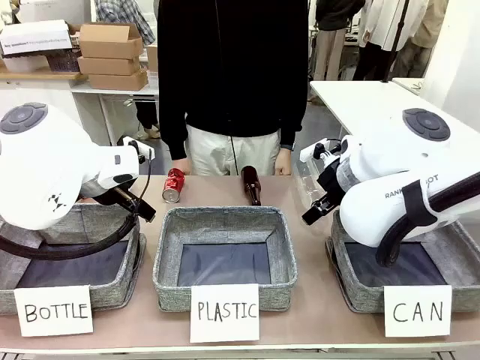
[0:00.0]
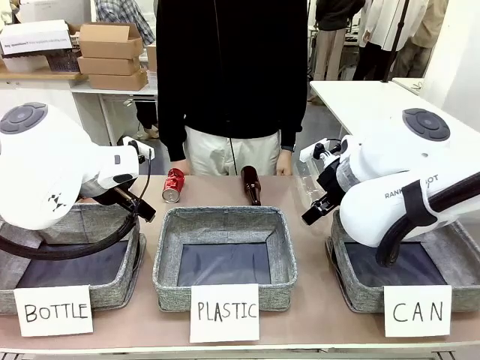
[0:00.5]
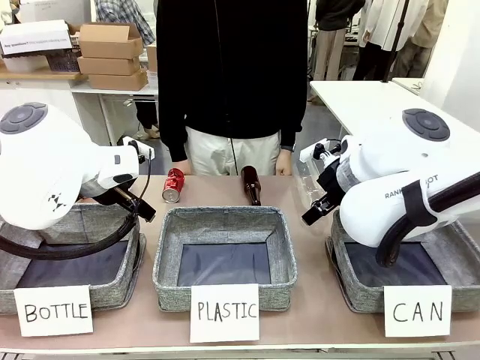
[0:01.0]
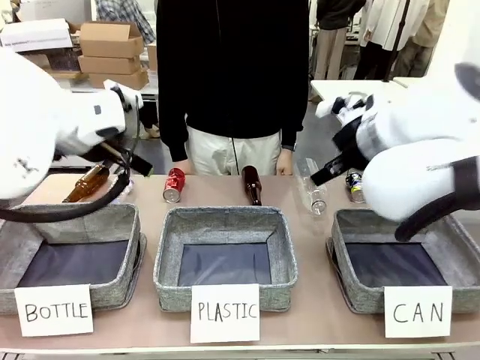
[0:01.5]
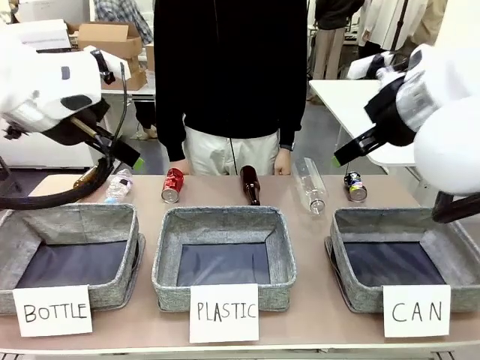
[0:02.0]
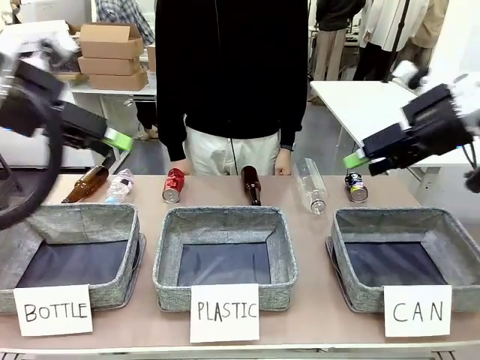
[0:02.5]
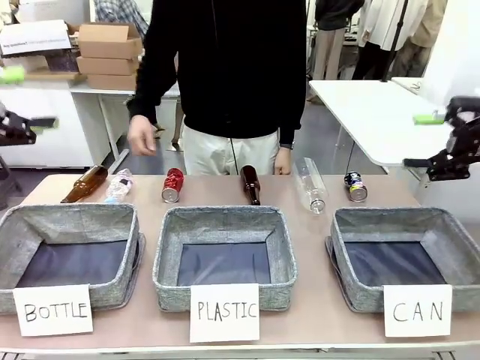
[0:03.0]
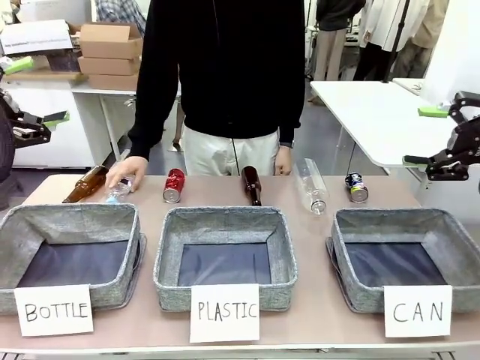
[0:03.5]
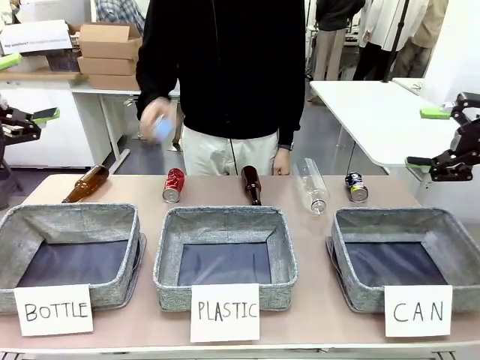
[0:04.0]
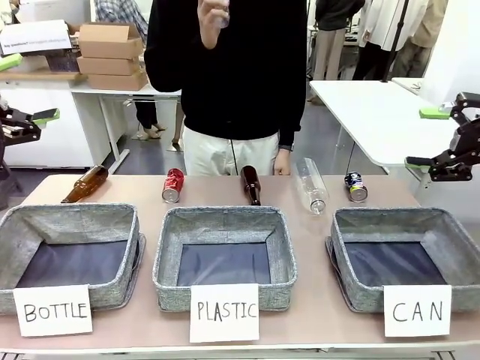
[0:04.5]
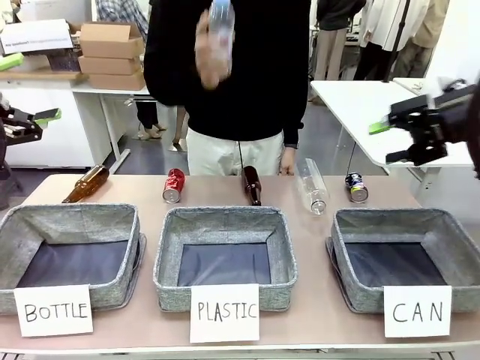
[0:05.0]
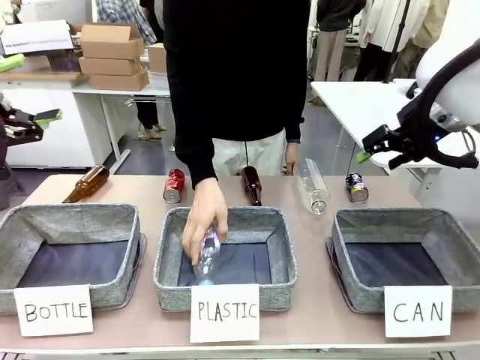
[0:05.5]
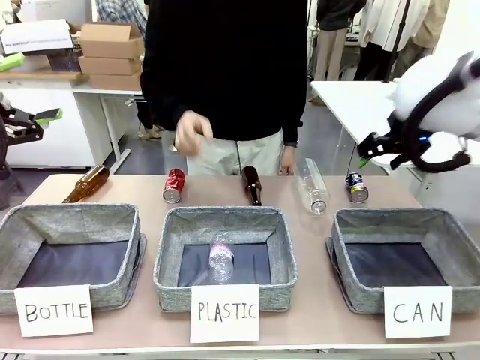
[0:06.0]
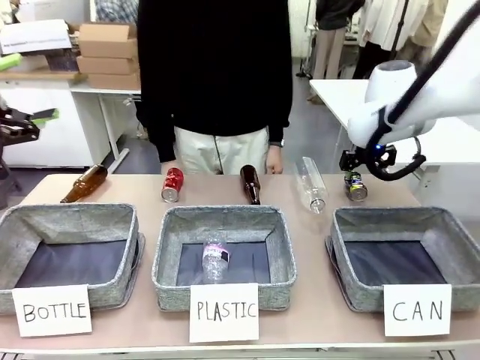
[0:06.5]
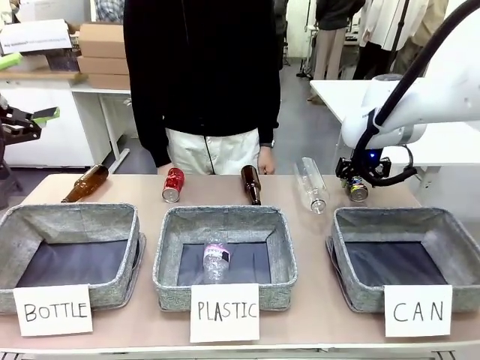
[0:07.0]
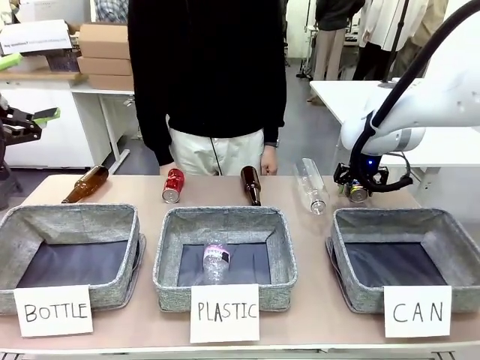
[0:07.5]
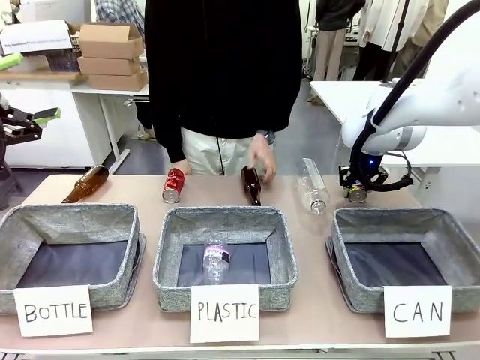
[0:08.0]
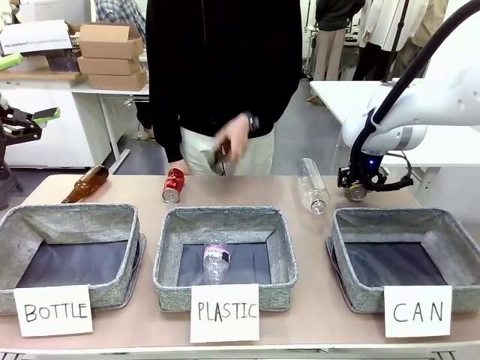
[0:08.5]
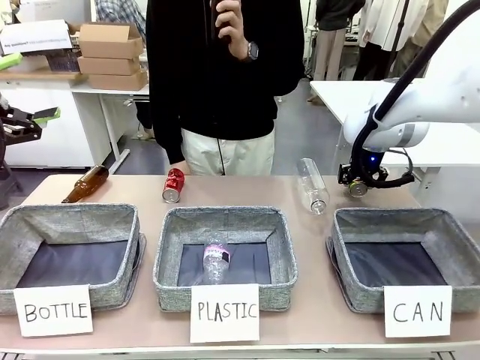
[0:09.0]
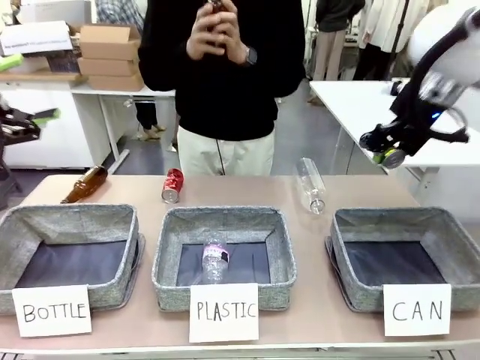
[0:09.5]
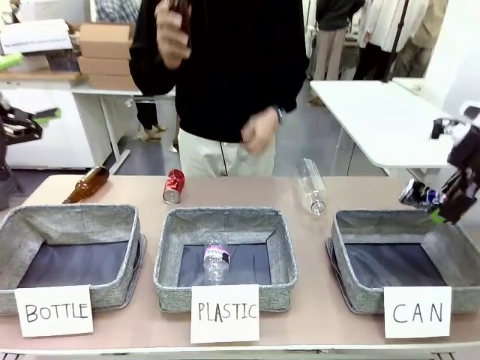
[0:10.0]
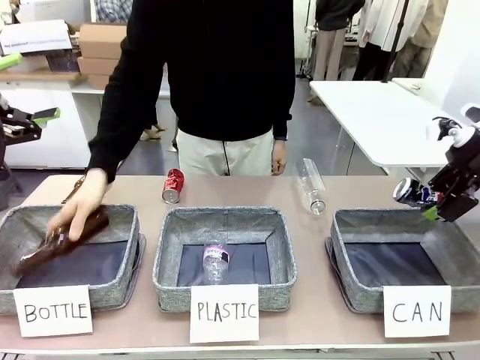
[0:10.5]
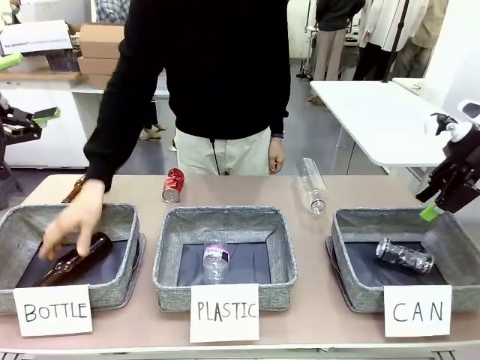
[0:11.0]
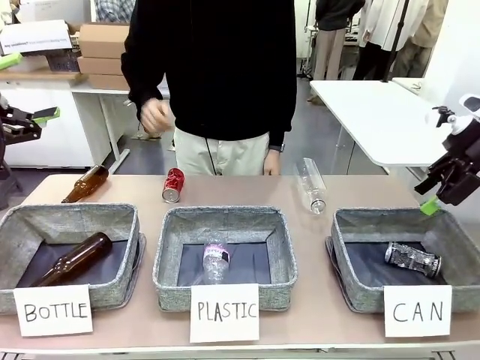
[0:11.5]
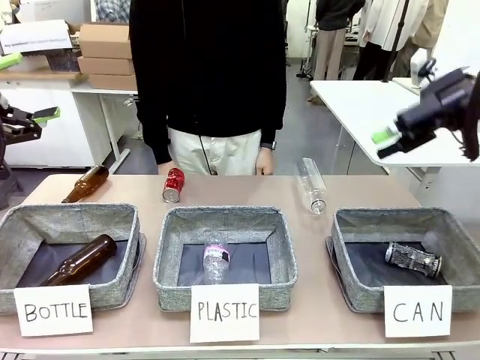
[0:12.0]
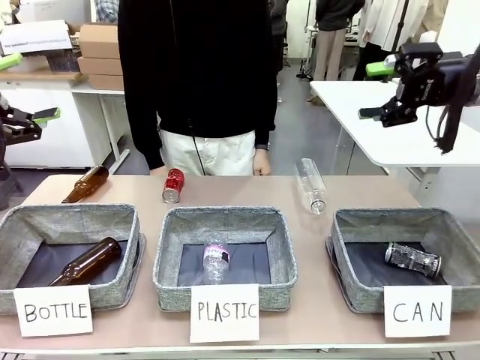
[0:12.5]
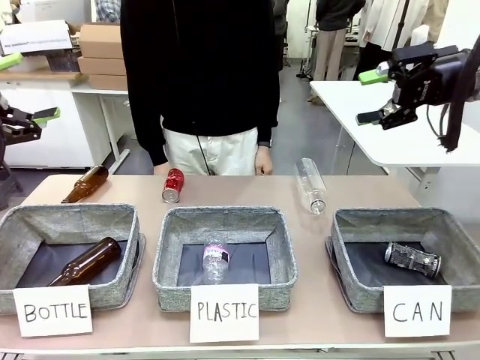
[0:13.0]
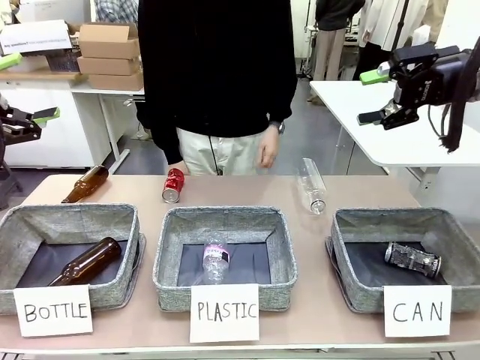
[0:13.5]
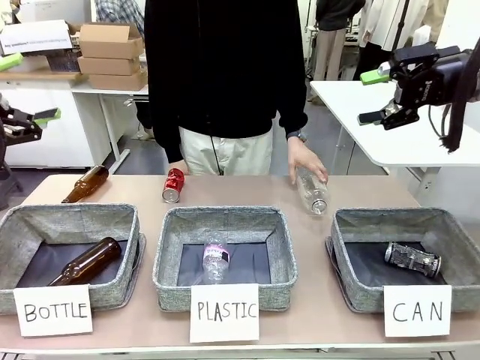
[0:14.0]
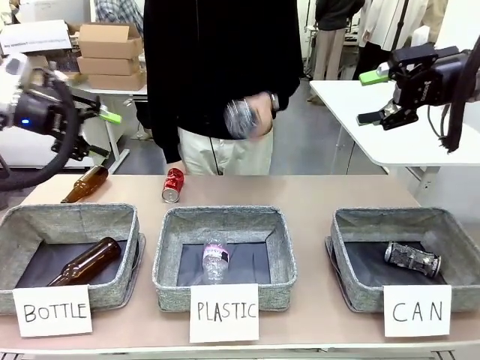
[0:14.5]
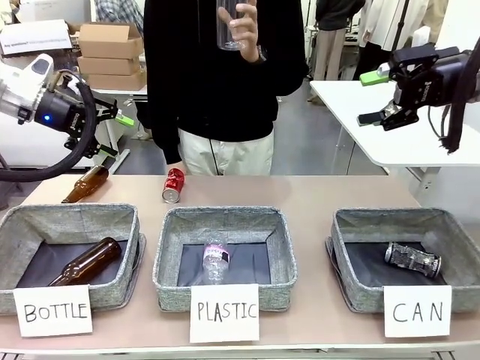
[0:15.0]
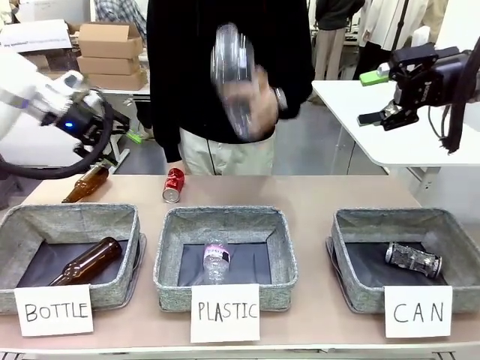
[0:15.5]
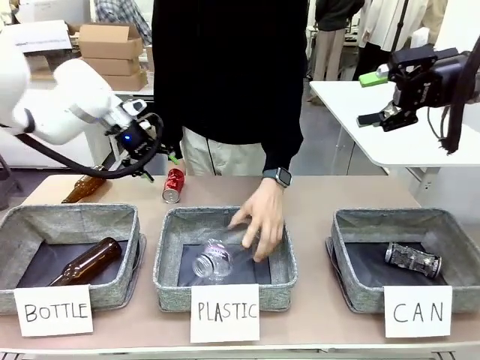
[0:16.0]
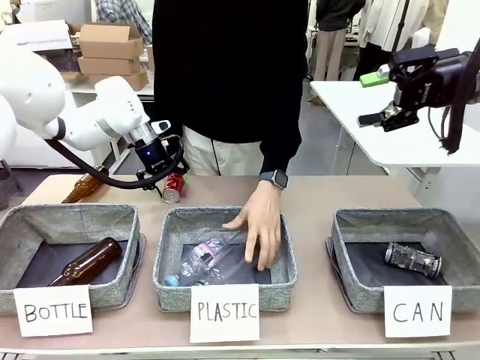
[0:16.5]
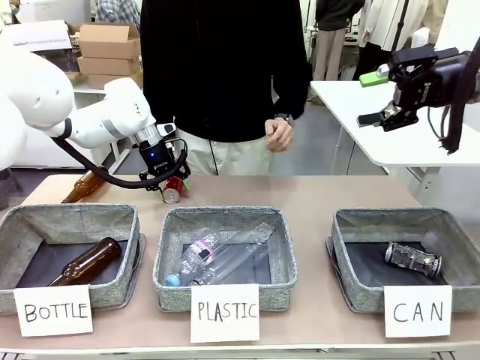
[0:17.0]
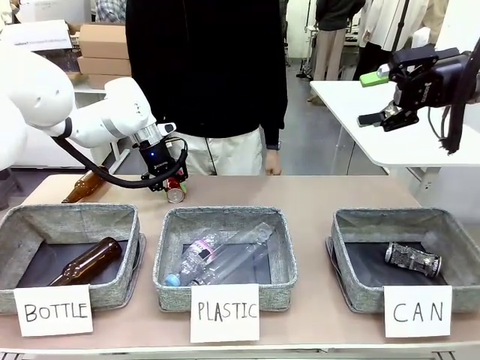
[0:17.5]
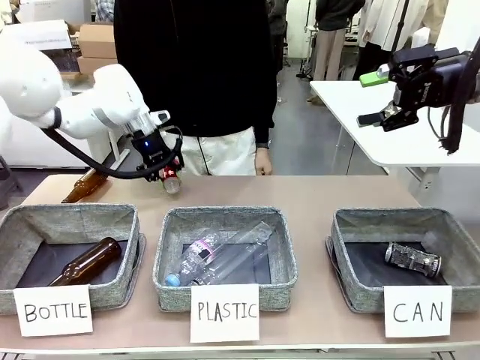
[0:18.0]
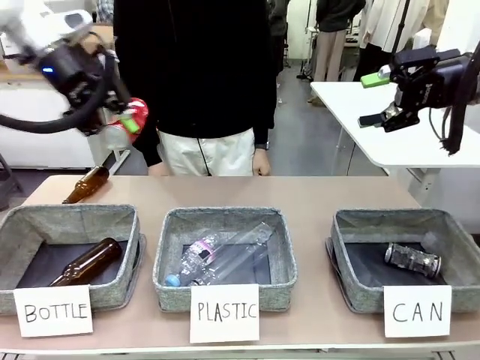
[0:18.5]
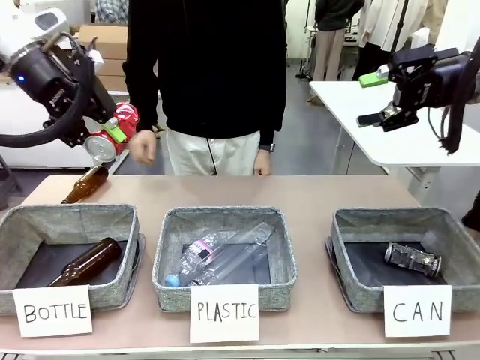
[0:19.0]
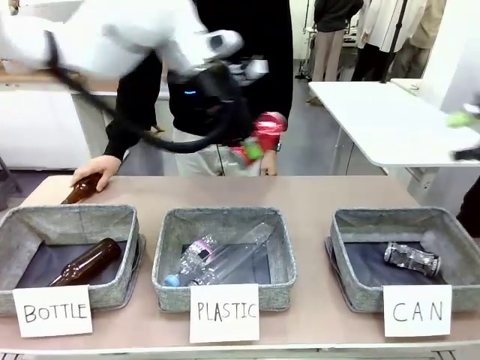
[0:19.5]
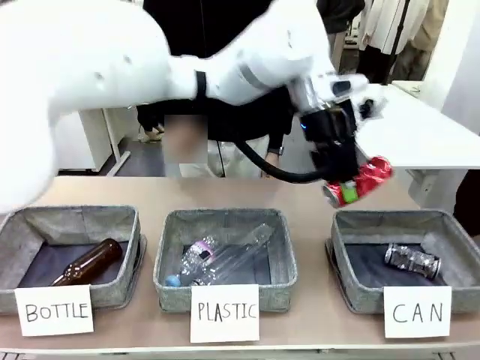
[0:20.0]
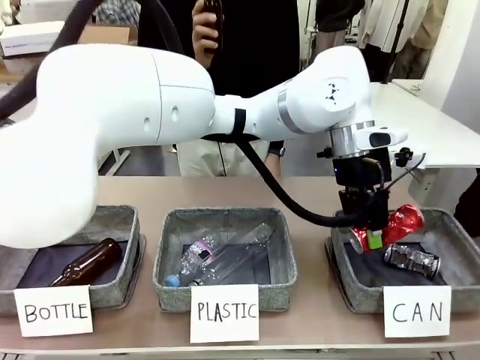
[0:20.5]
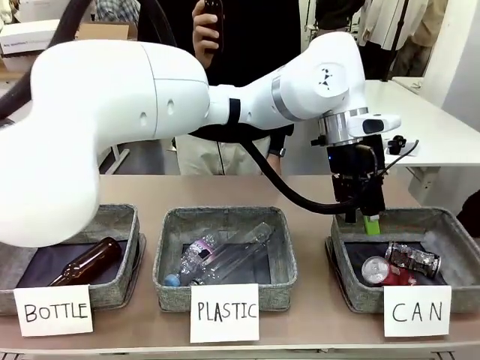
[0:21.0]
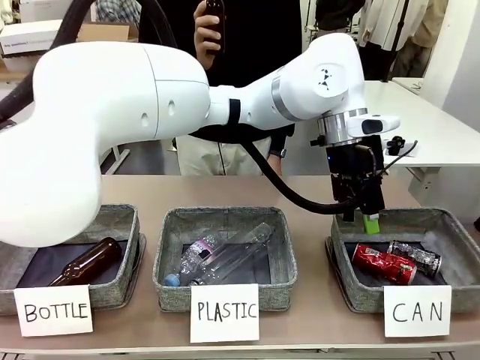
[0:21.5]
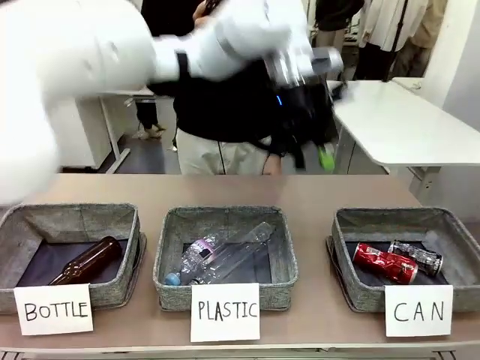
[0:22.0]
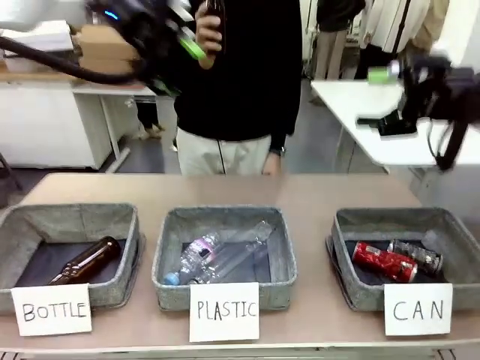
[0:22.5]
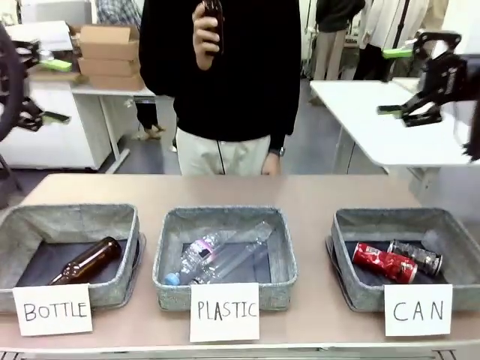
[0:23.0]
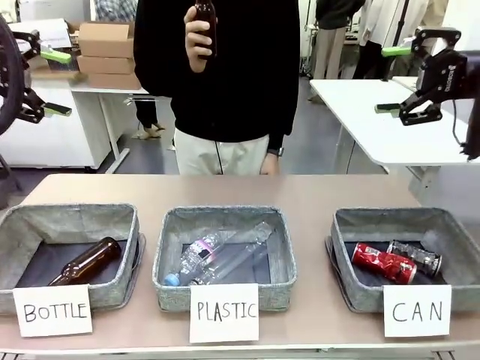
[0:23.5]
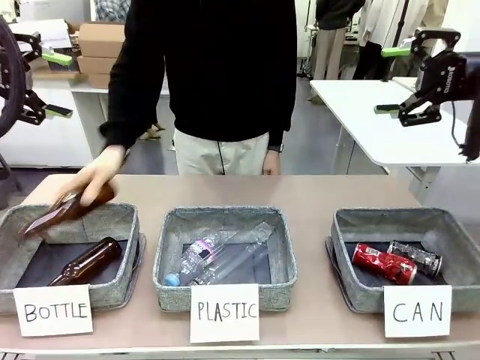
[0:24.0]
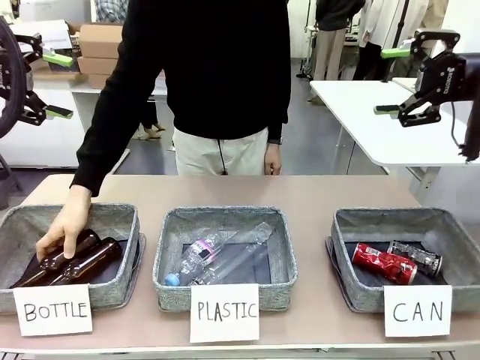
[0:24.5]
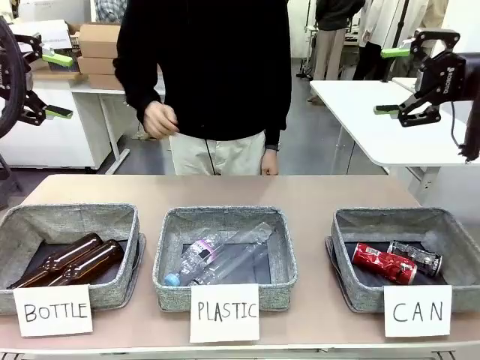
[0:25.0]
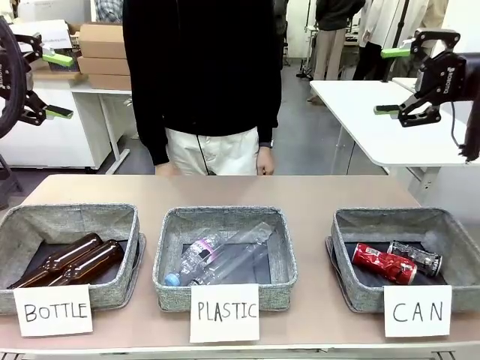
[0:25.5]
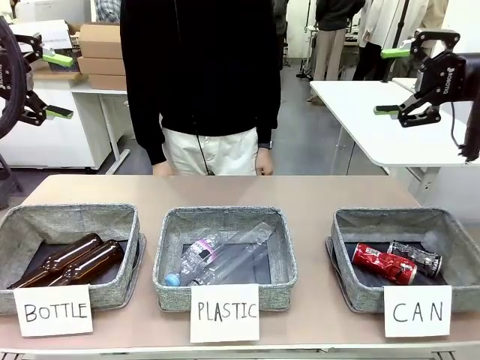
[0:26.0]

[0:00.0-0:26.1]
Task: Sort the can waste into the basket.
Robot: Pick up the can waste from the table and place it in the right Fabric basket.
Person: The human picks up one piece of trash that is not a can and places the trash into the appropriate organizing basket.
